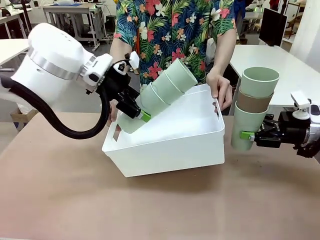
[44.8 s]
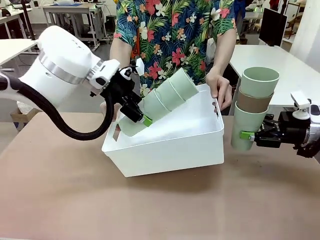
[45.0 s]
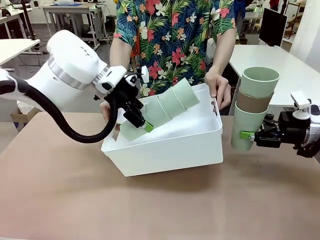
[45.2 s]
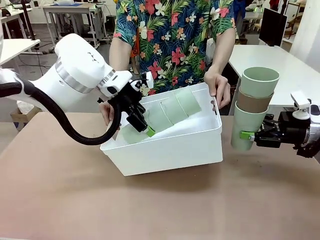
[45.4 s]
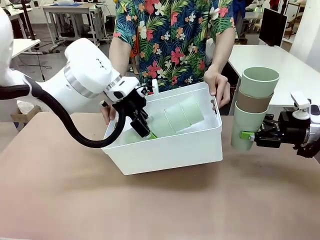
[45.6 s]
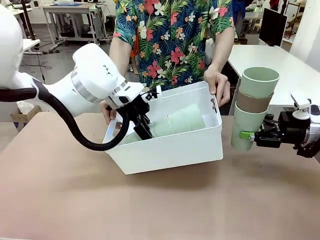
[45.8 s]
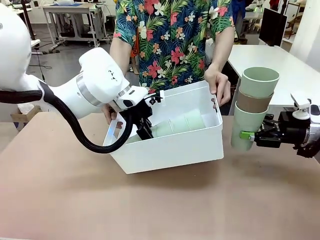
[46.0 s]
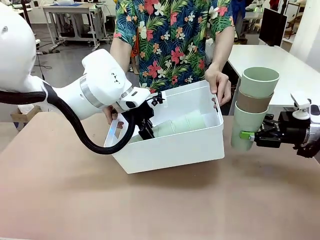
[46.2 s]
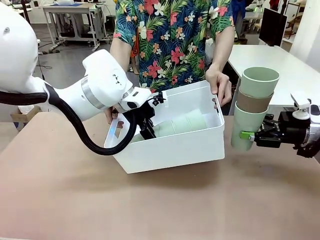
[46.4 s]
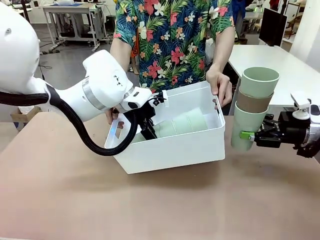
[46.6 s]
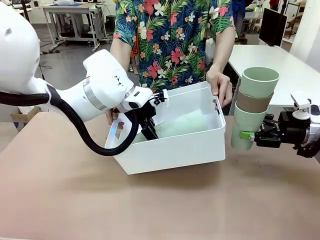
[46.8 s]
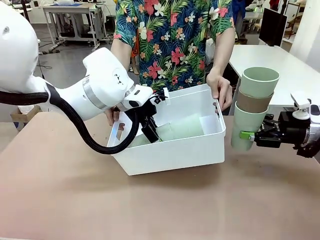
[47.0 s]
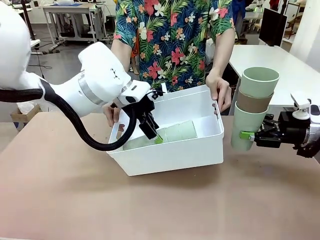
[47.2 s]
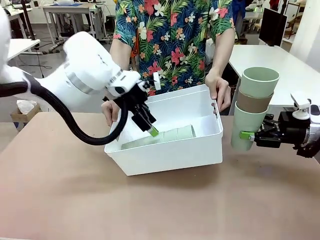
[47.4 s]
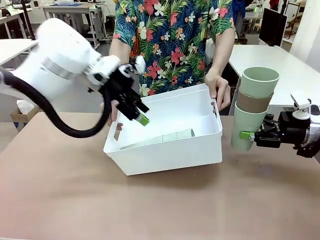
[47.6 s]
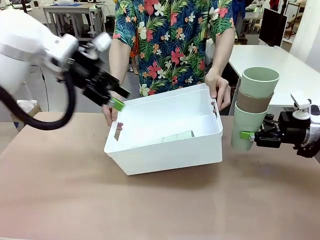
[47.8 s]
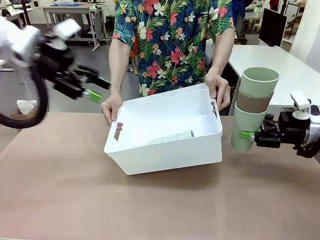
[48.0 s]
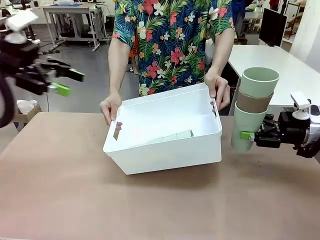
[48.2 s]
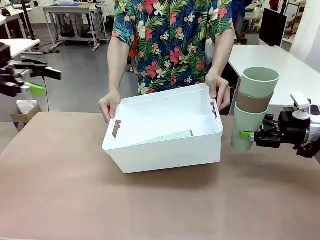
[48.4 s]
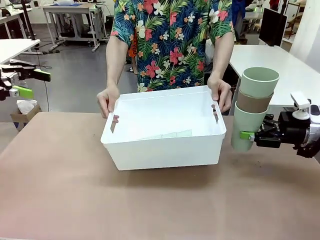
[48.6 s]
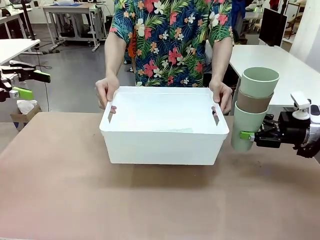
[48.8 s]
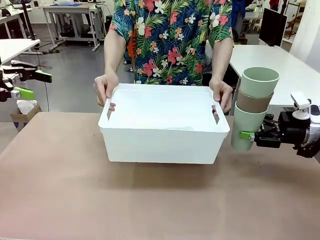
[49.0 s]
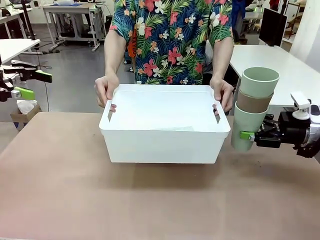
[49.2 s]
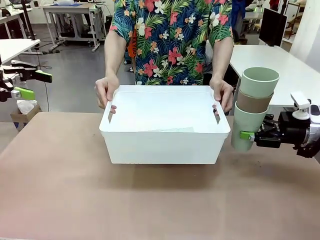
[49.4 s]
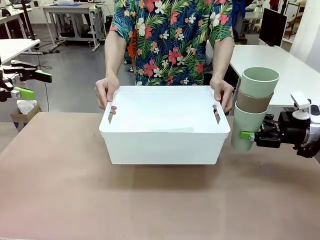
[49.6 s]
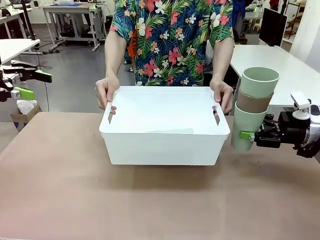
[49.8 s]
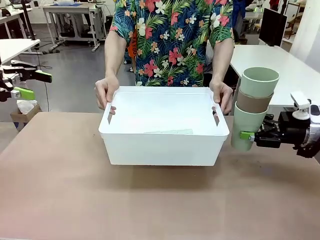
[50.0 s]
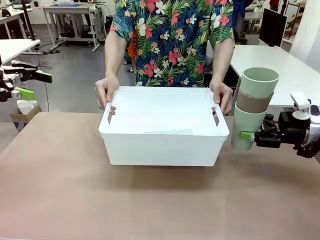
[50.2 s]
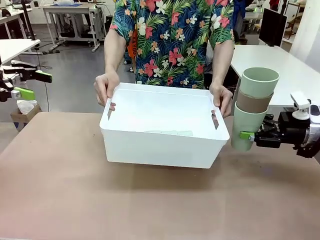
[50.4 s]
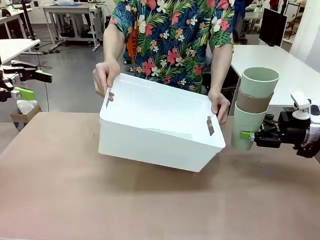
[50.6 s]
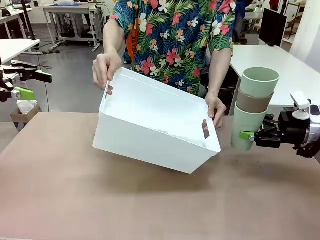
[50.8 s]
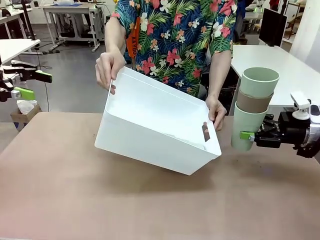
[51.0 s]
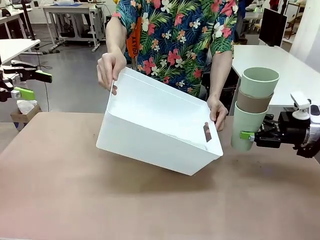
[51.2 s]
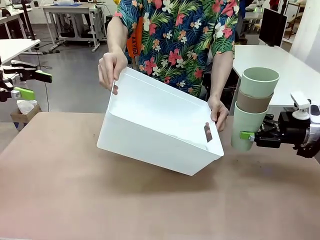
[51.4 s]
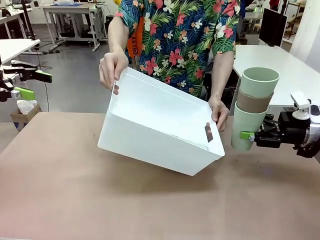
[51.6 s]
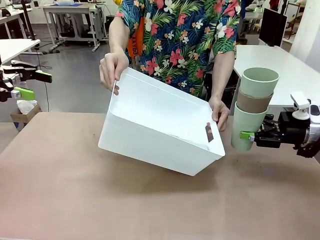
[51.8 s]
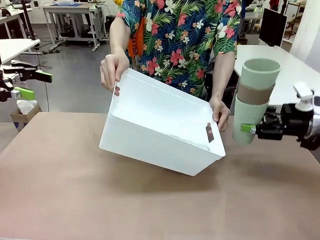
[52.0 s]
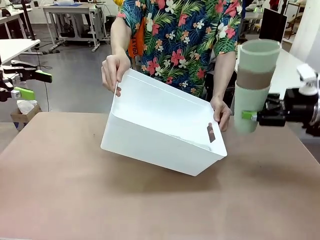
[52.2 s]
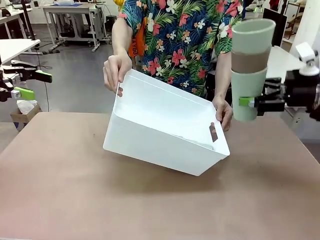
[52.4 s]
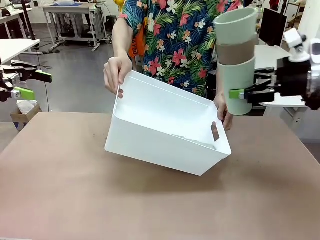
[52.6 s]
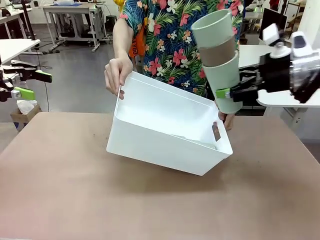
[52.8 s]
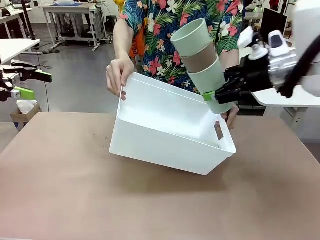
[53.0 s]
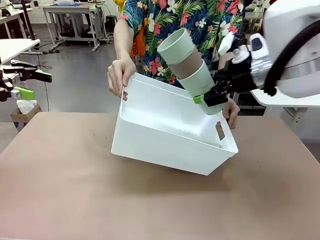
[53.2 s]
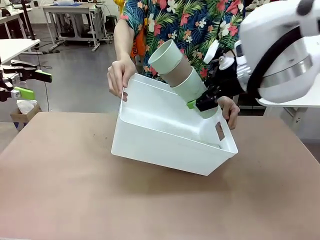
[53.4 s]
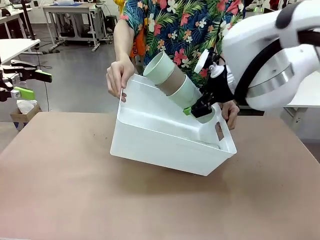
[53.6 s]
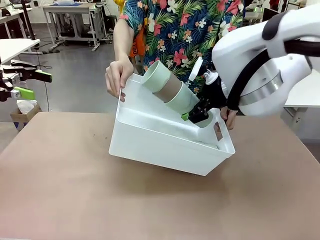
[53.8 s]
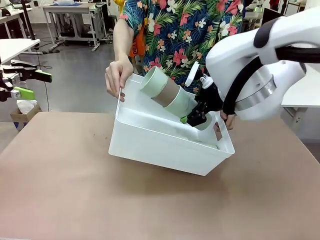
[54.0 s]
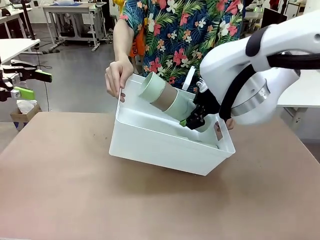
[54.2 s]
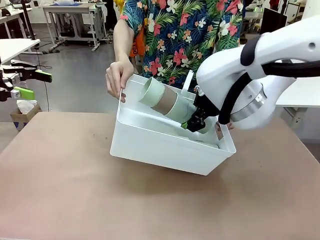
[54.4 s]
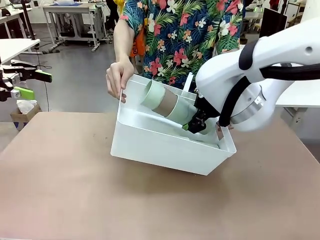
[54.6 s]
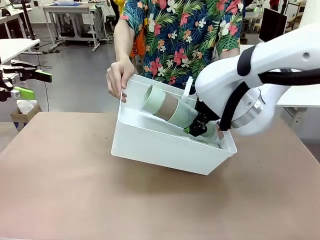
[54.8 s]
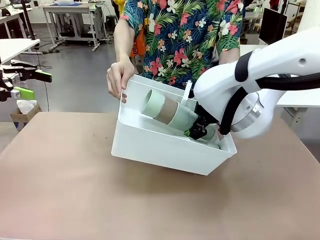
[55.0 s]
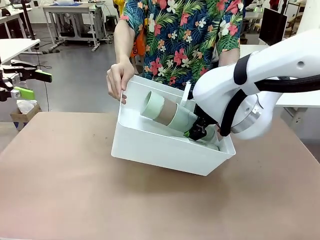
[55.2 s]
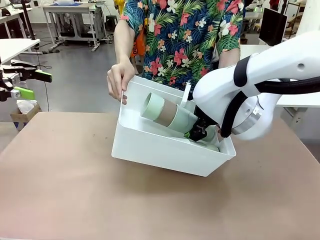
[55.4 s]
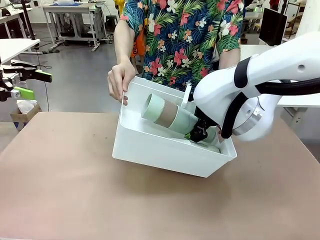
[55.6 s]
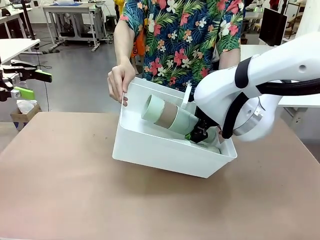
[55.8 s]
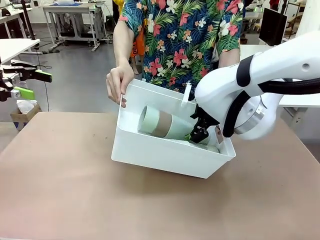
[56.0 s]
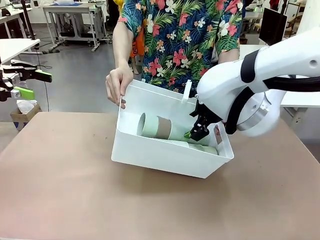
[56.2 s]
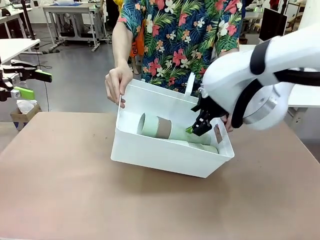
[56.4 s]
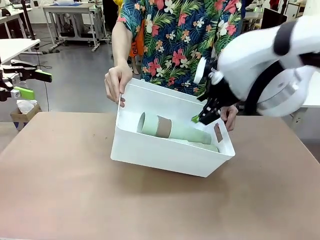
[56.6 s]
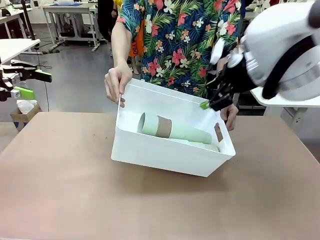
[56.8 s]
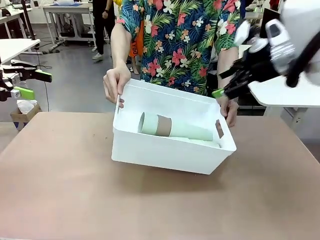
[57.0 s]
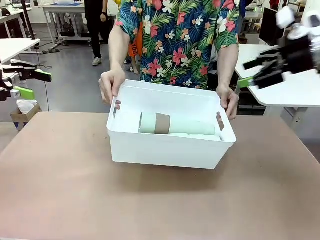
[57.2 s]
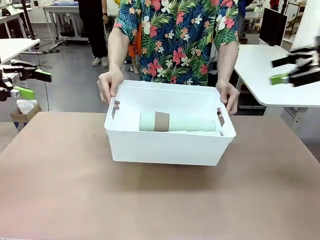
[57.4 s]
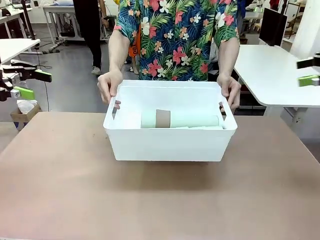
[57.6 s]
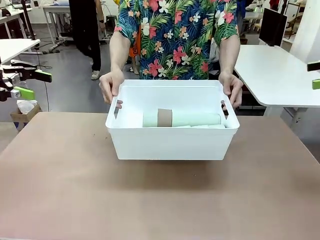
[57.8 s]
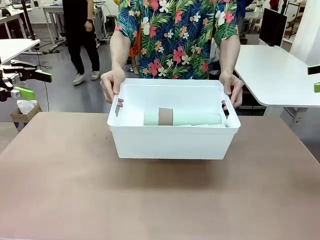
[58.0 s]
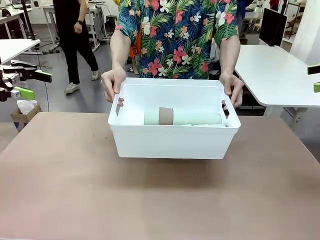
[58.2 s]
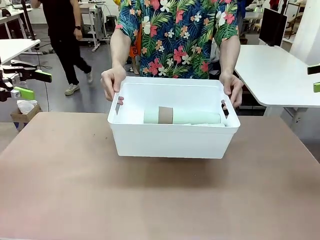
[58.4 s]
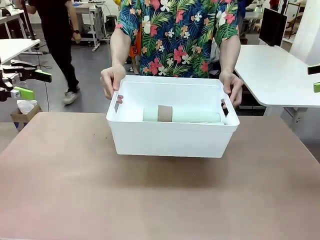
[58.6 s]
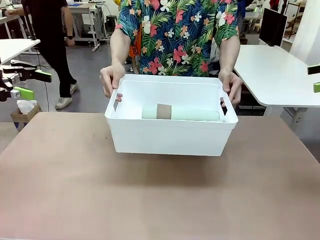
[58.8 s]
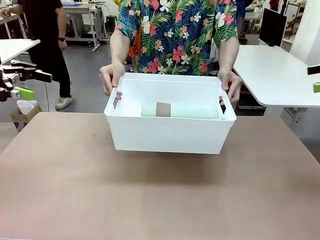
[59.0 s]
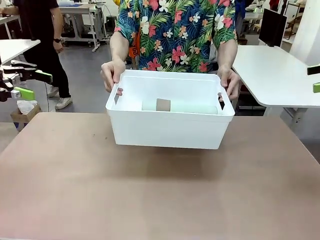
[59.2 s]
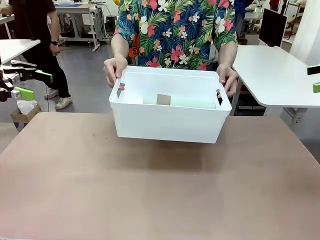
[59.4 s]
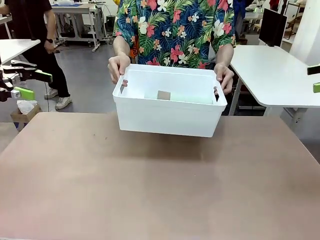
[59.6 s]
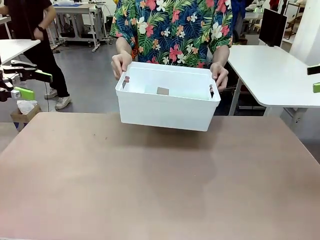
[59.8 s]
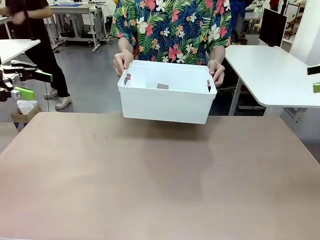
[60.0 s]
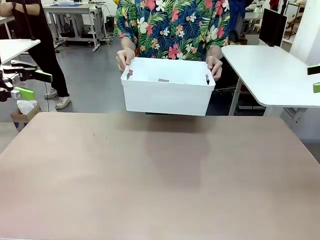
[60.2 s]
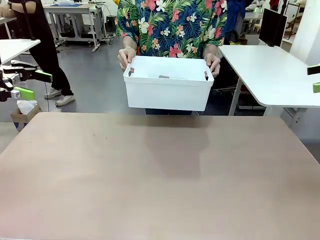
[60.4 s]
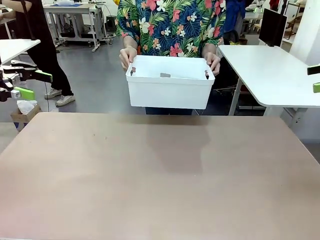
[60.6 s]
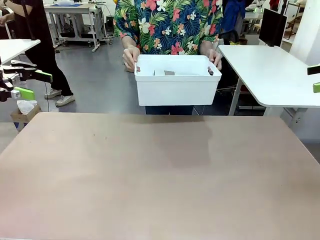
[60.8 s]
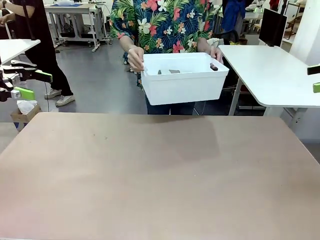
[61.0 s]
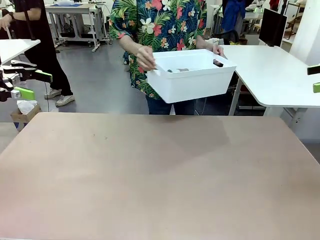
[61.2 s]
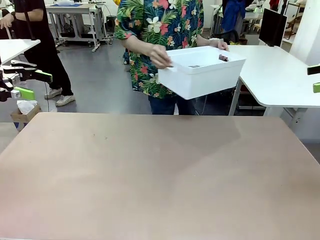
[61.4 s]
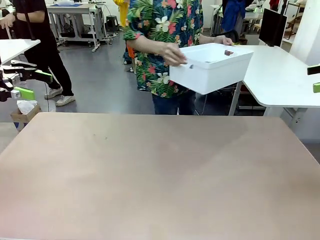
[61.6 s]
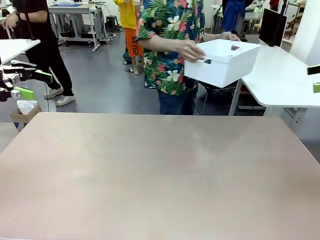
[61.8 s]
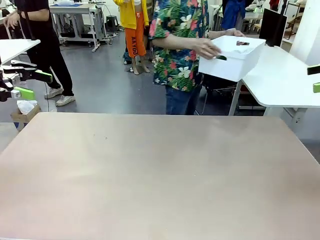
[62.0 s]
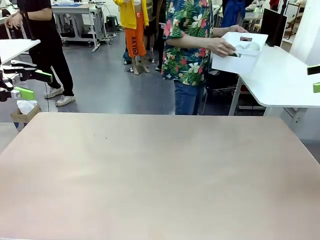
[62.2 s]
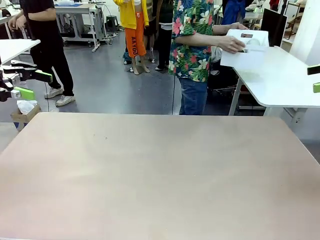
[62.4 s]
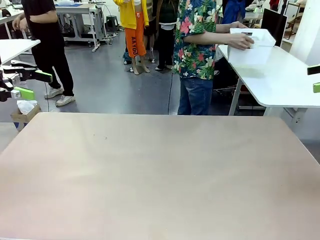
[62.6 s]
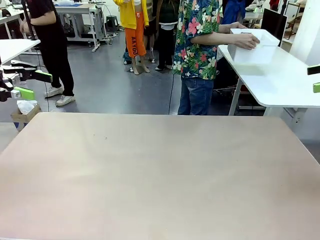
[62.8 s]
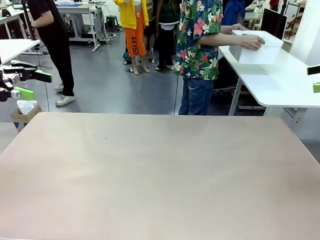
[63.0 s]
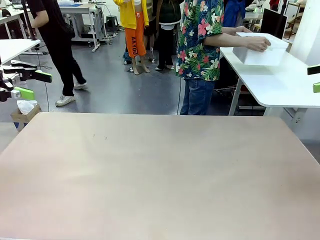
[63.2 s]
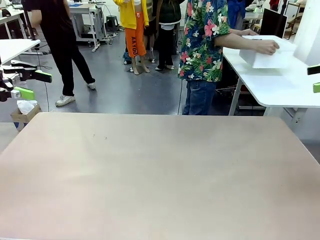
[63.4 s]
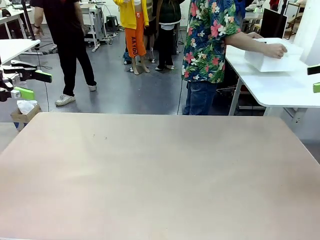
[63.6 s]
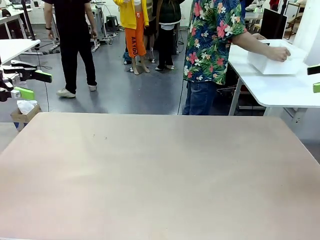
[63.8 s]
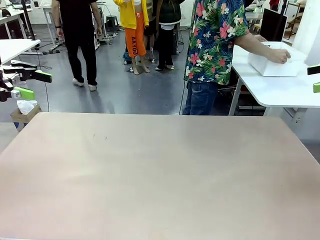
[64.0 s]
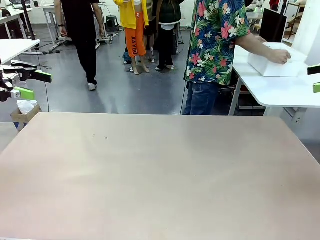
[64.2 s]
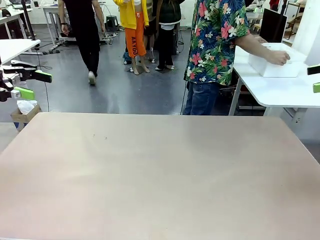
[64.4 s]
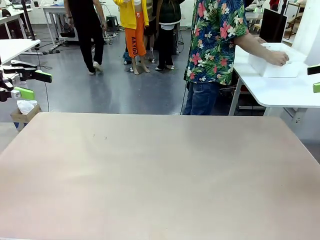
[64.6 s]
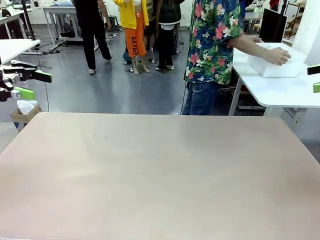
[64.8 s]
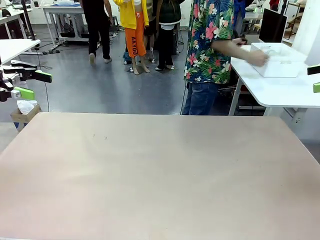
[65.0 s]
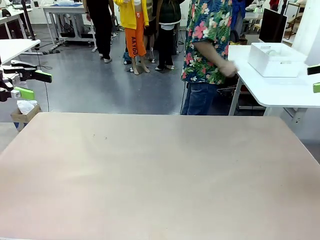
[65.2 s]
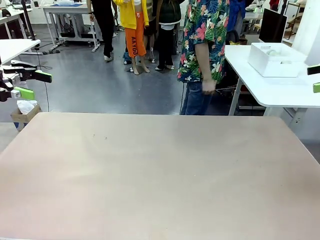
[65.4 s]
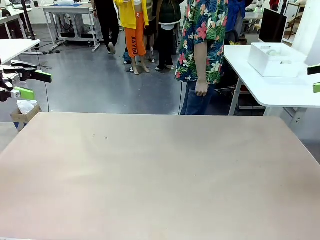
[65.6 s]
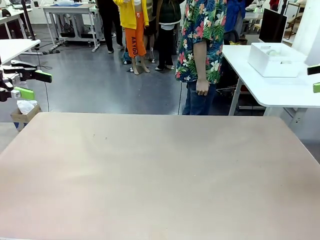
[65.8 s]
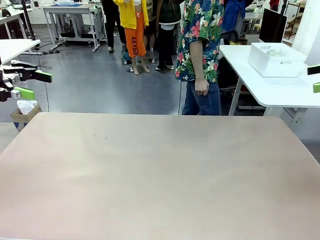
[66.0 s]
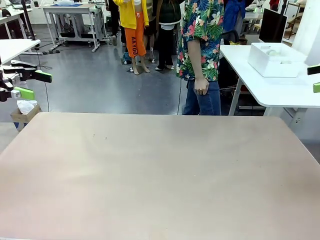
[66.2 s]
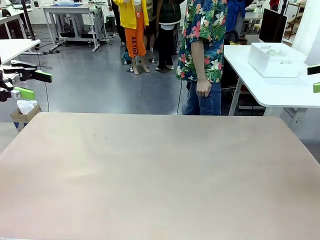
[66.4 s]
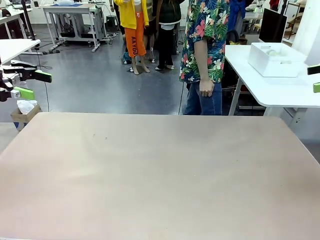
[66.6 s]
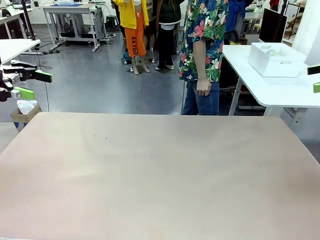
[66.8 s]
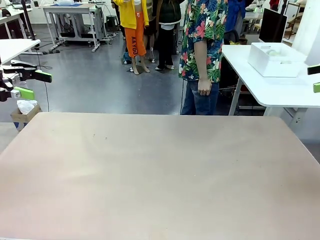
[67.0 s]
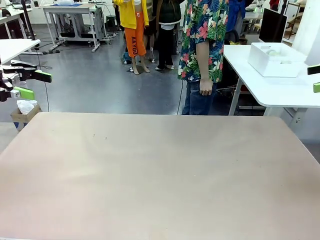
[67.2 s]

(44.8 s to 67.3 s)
Task: Stack the cups and store them in the basket.
Robot: Place the stack of Reusable plastic cups into the Pantry Basket.
Person: Place the basket containing the cups in the middle of the Human Table.
